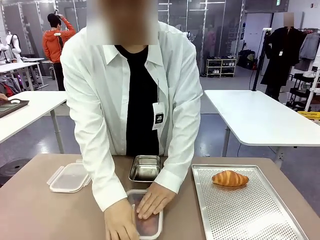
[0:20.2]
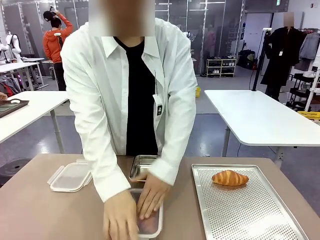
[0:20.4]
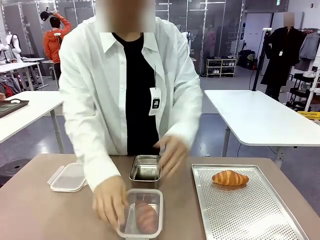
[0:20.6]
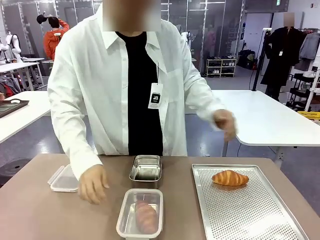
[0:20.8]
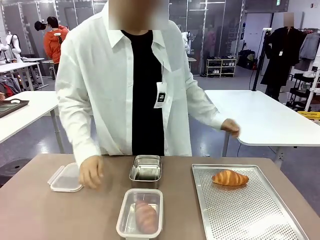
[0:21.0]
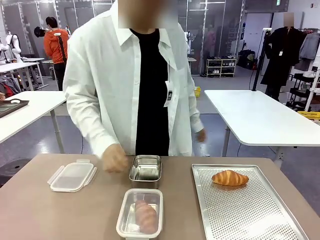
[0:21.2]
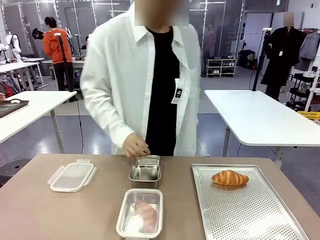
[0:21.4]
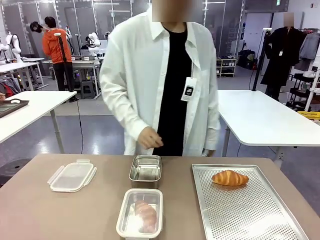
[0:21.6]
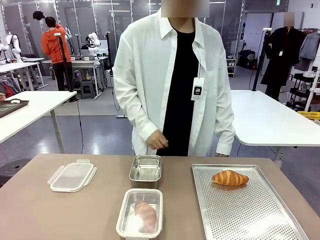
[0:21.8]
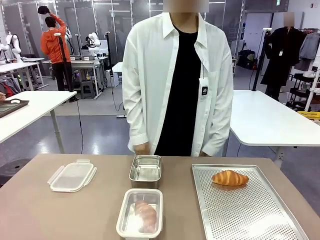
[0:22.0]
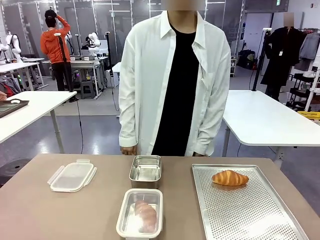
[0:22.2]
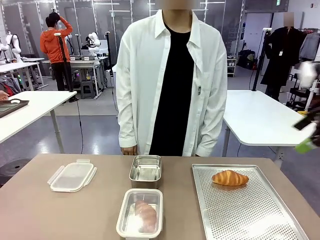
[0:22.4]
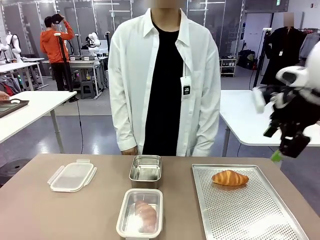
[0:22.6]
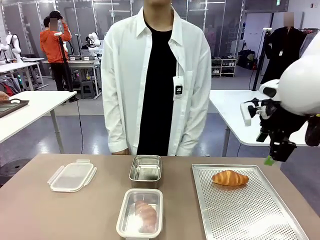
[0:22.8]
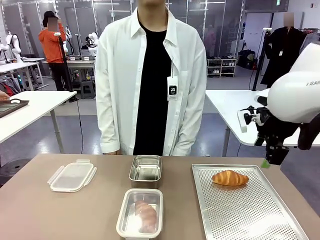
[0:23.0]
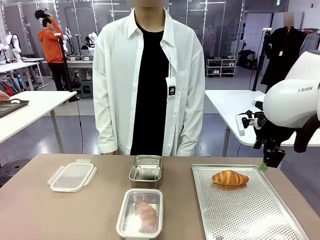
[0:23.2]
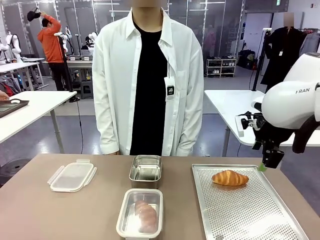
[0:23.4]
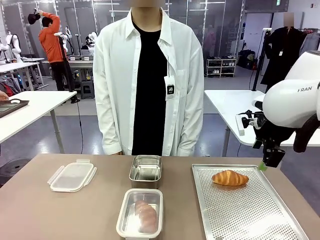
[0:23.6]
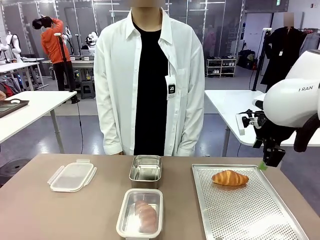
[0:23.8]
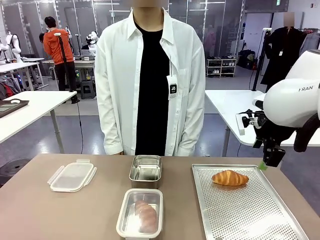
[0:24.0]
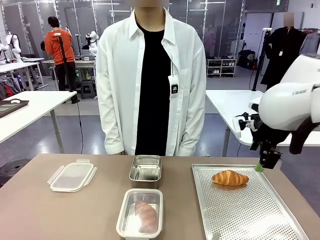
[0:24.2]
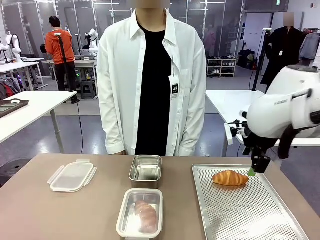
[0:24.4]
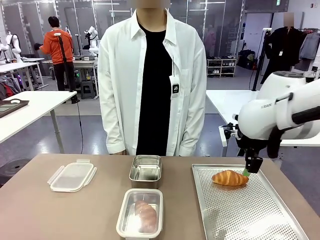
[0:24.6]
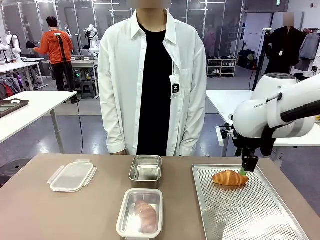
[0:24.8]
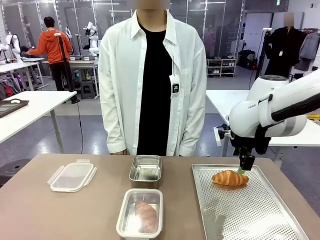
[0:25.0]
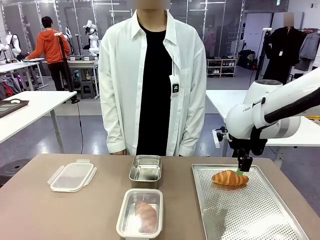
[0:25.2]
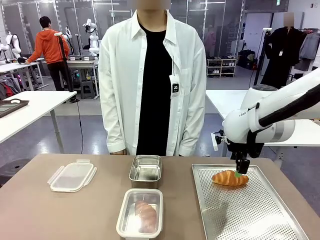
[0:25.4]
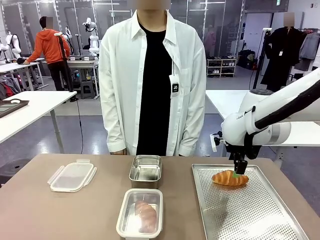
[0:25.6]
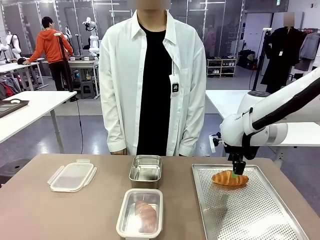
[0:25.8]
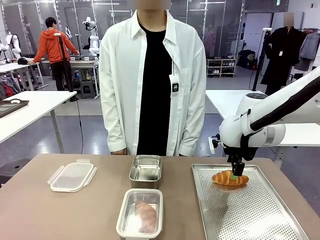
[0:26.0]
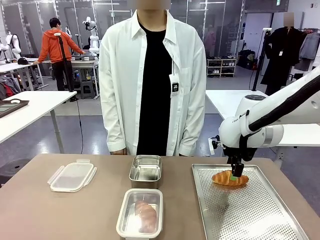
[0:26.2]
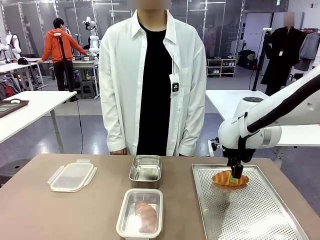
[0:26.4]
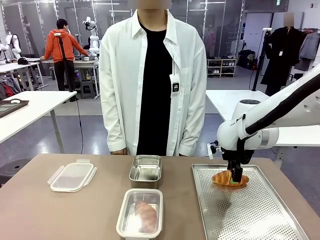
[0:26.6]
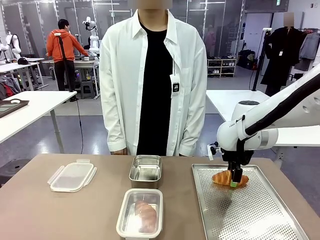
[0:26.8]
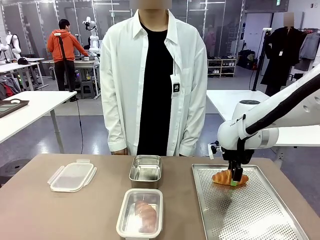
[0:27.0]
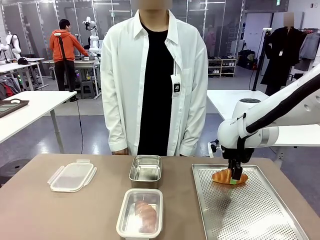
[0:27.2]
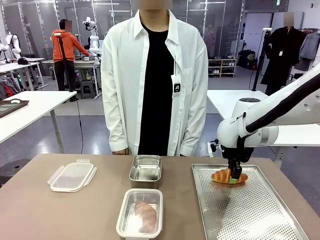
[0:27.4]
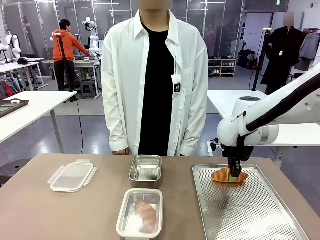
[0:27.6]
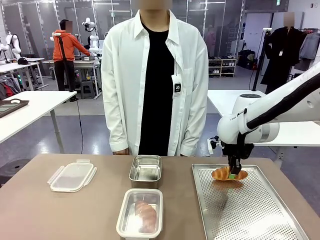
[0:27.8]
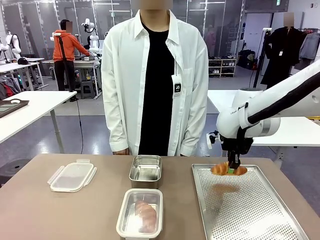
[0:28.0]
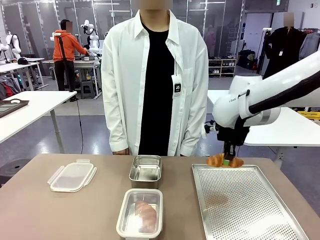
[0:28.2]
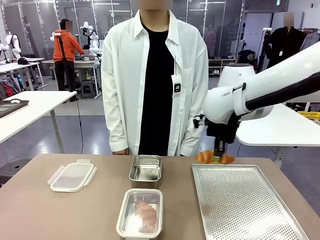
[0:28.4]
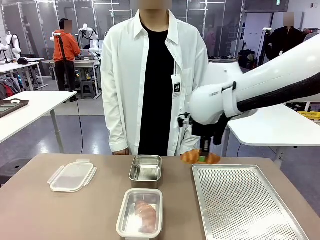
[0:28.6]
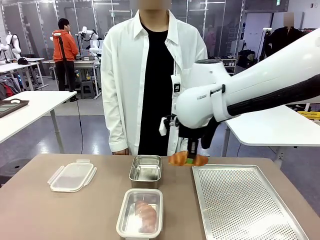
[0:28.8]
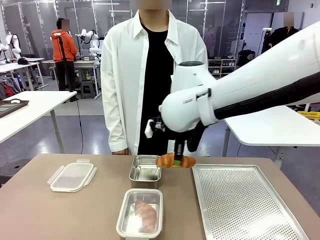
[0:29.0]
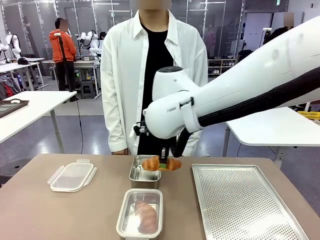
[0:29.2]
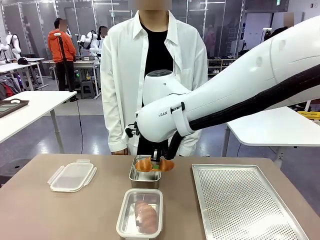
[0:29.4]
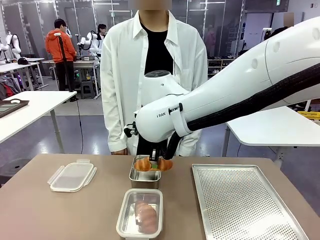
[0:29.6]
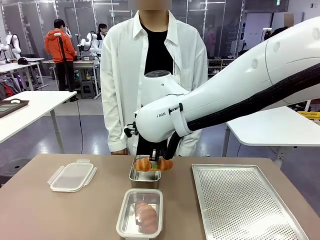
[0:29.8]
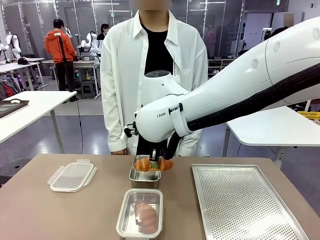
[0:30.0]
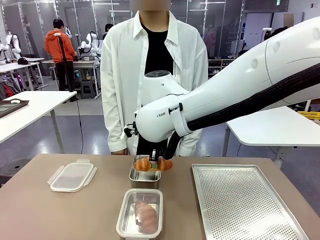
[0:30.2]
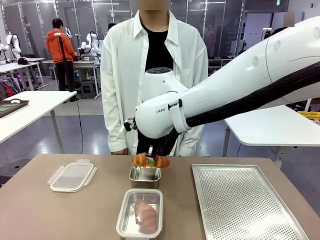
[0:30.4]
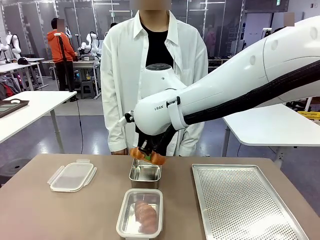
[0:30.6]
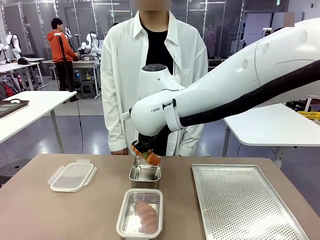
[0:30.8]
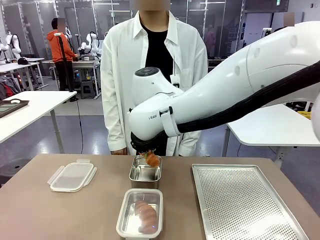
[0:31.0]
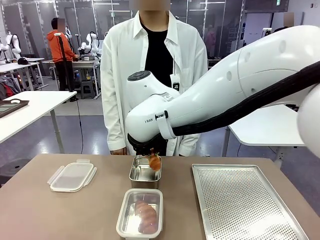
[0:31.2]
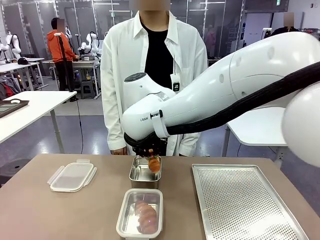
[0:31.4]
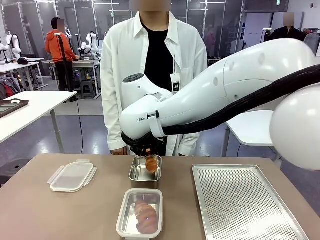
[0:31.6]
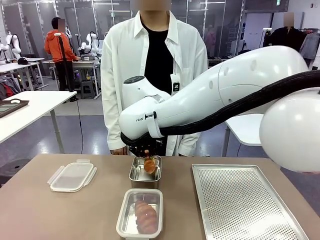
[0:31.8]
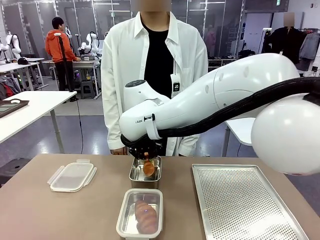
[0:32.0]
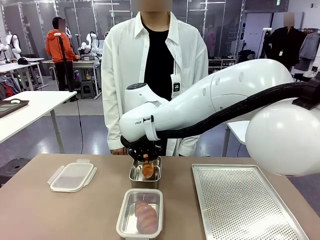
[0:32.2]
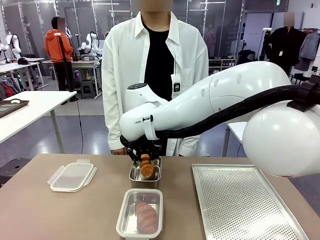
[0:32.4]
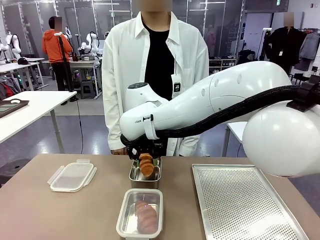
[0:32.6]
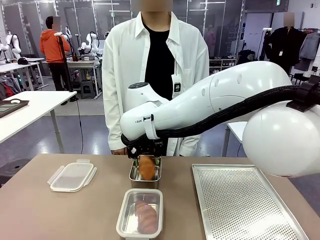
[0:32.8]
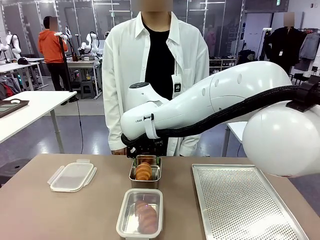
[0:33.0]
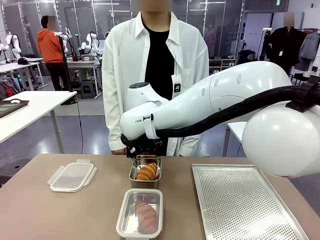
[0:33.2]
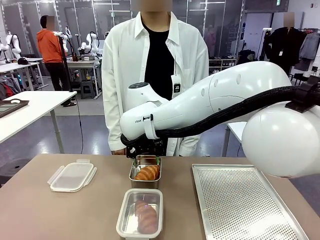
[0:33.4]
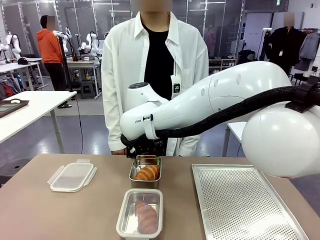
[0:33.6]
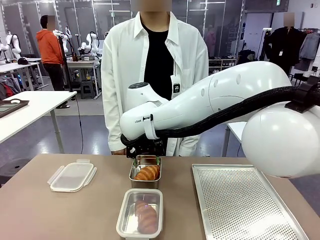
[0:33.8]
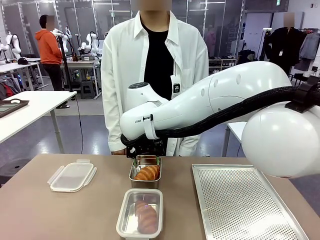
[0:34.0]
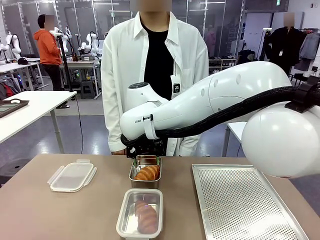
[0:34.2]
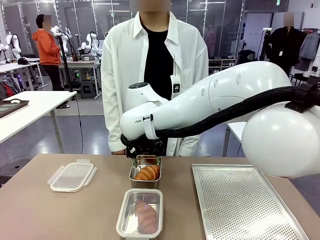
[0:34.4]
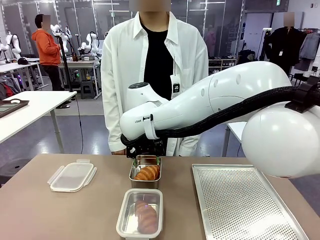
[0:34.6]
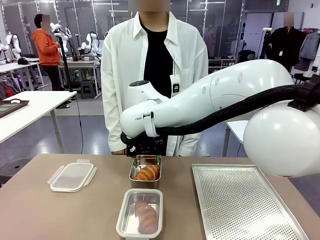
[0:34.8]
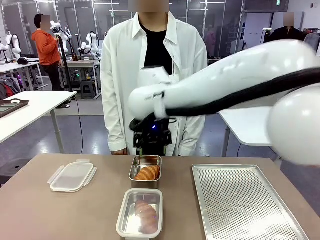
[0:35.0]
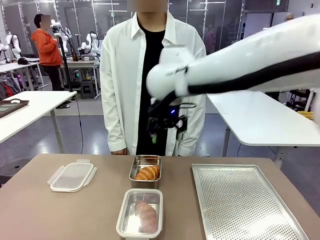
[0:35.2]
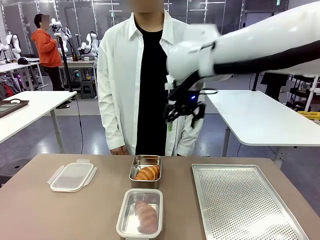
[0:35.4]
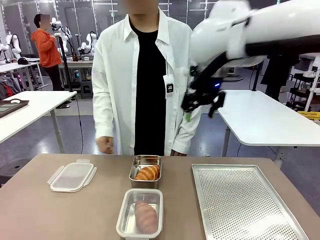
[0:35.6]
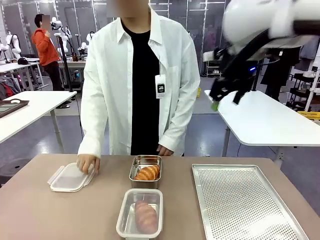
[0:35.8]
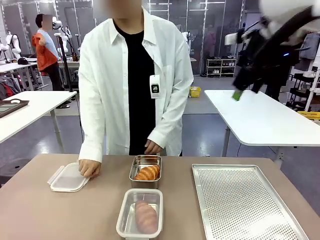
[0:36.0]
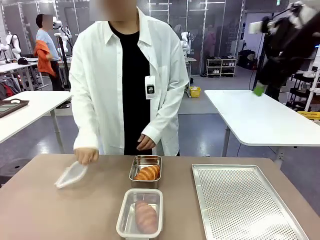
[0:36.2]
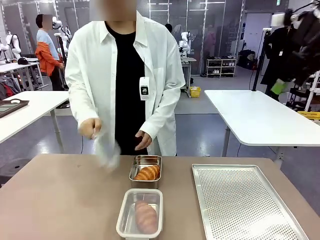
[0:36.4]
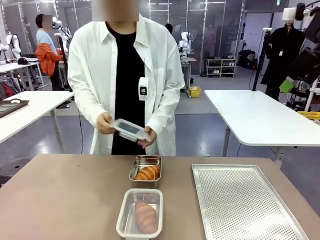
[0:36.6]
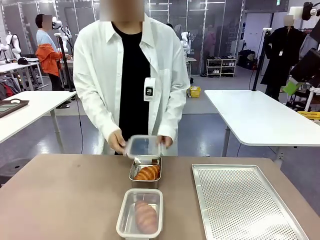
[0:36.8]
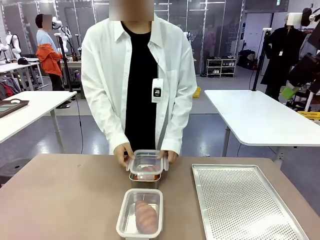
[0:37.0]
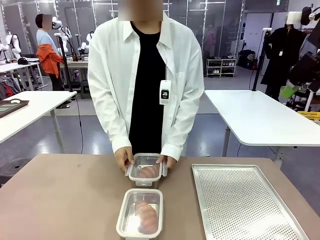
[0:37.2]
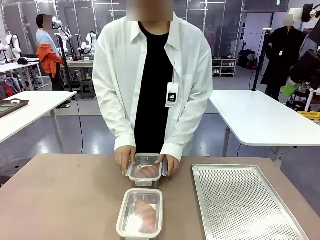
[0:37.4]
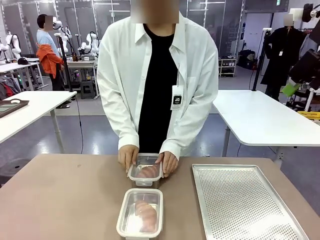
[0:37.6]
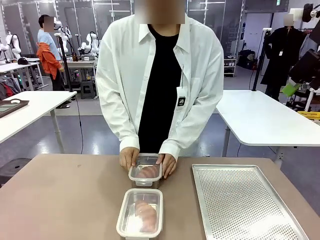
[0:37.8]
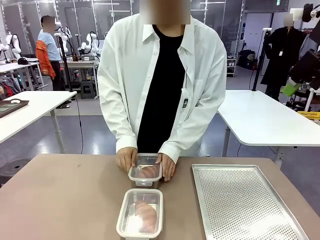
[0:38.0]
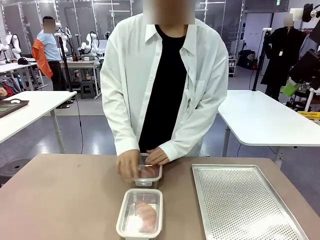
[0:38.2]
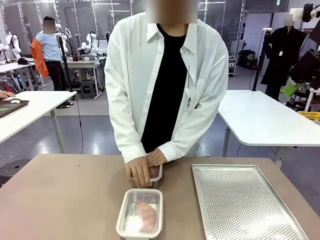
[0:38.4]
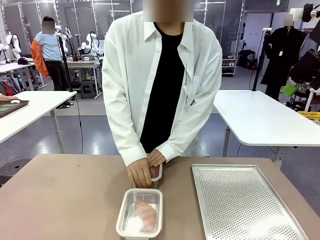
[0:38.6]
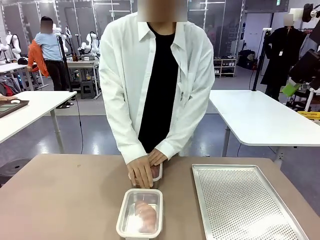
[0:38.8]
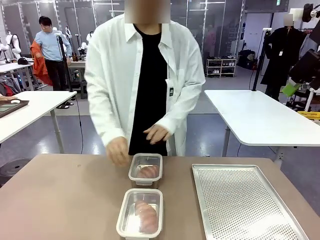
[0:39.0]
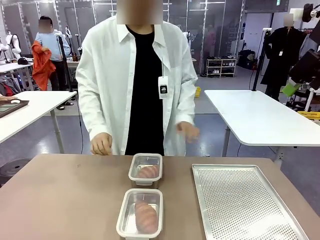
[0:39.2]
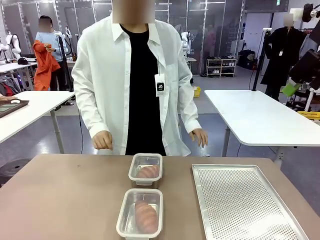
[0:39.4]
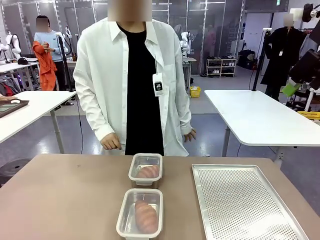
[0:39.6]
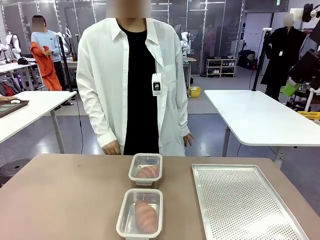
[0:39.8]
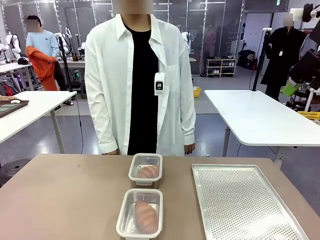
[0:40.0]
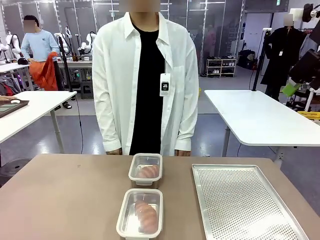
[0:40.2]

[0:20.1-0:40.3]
Task: Place the bread into the airtight container.
Robot: Pick up a Butter Roll and place it into an empty Airtight Container.
Person: Once a Butter Roll is inside an Airtight Container , close the lid of that Airtight Container.
